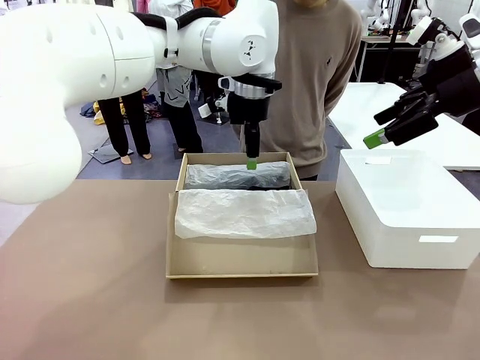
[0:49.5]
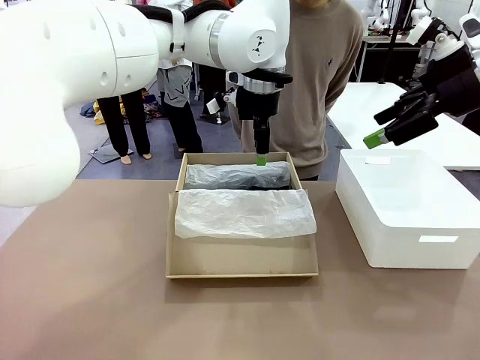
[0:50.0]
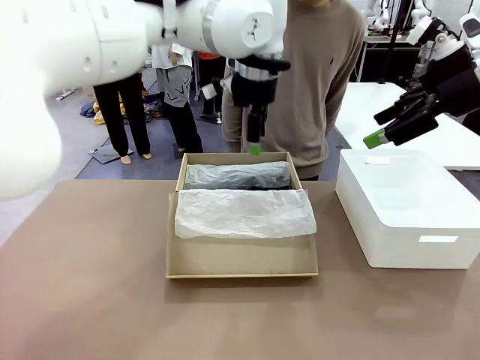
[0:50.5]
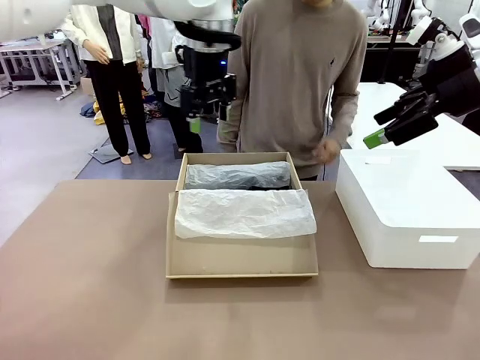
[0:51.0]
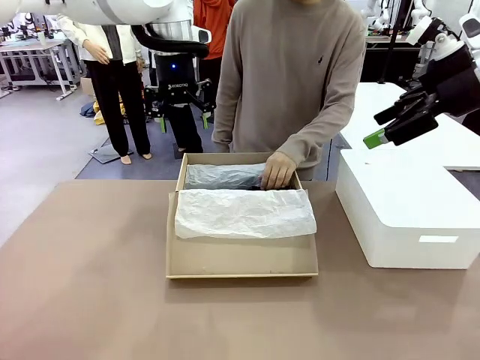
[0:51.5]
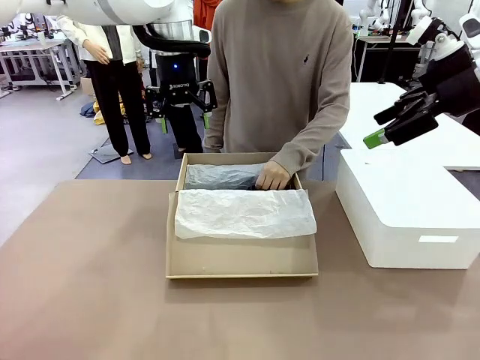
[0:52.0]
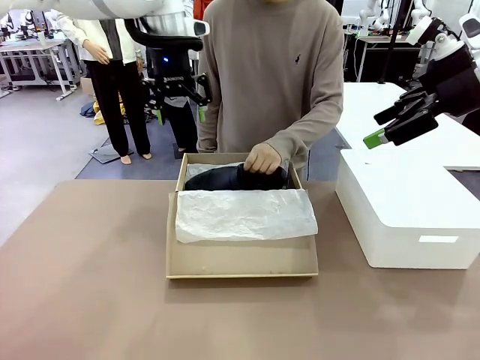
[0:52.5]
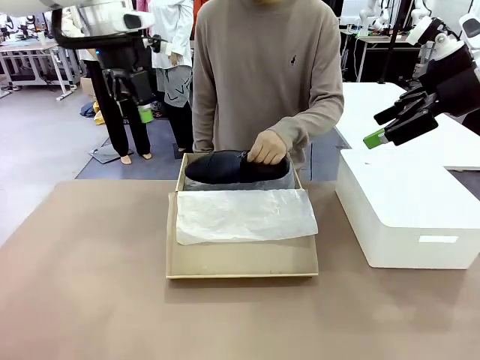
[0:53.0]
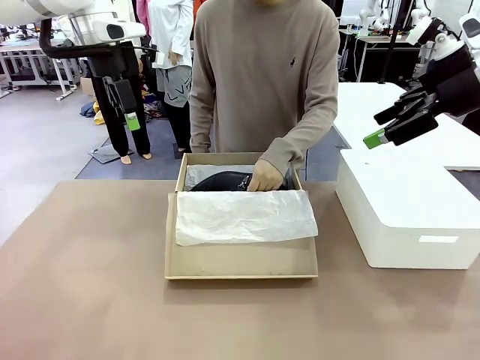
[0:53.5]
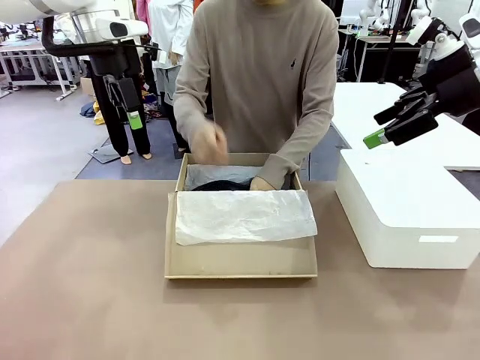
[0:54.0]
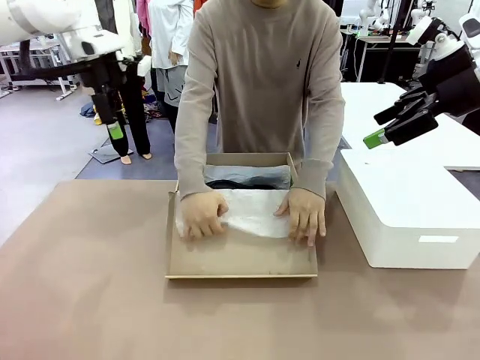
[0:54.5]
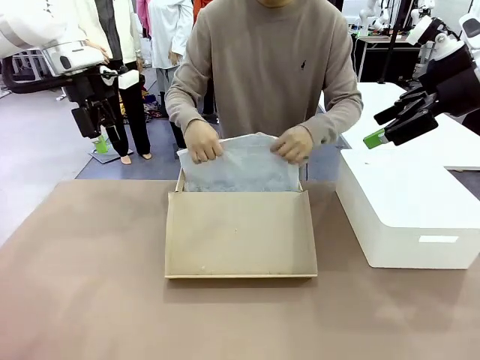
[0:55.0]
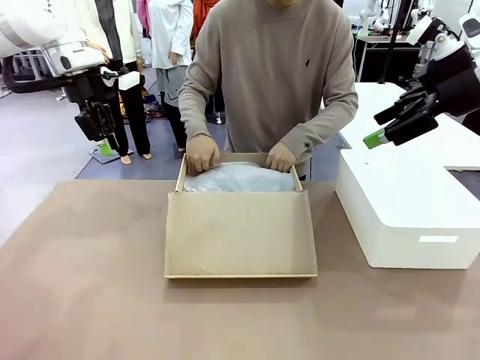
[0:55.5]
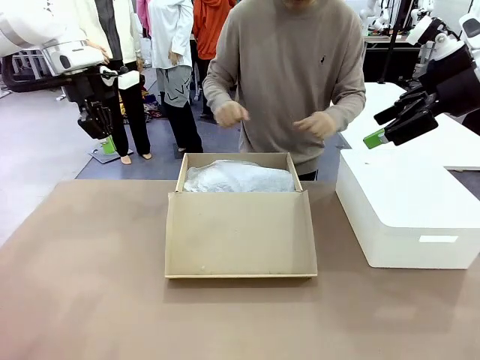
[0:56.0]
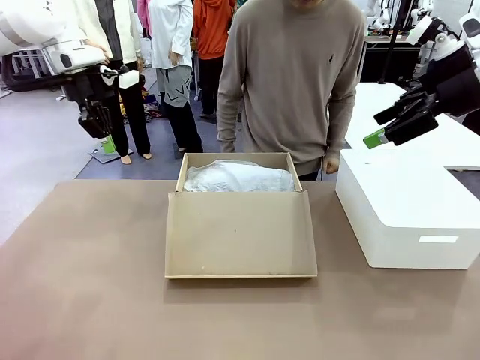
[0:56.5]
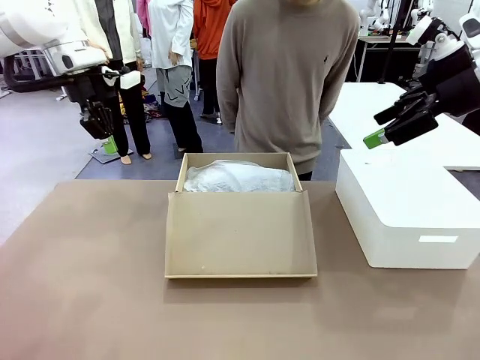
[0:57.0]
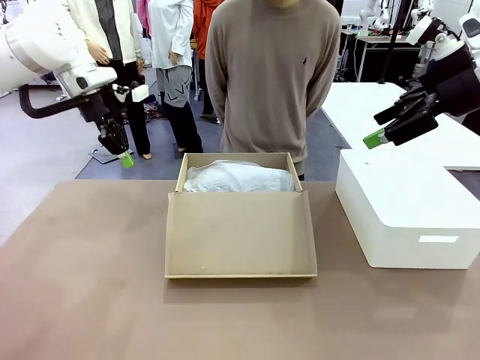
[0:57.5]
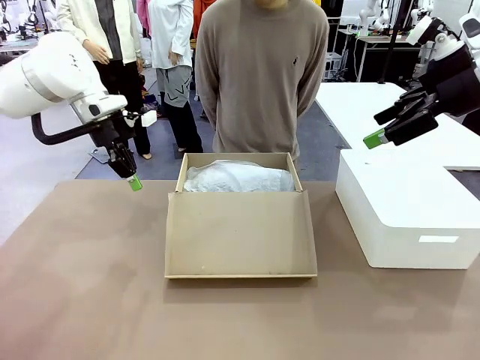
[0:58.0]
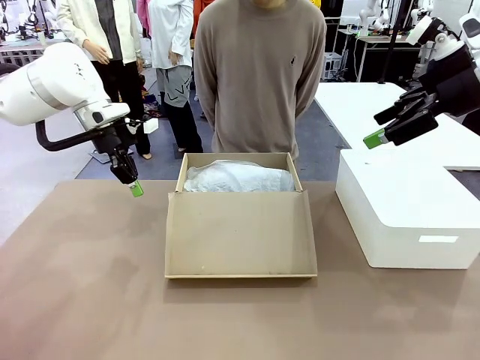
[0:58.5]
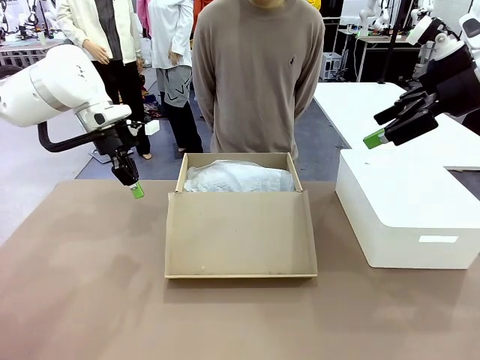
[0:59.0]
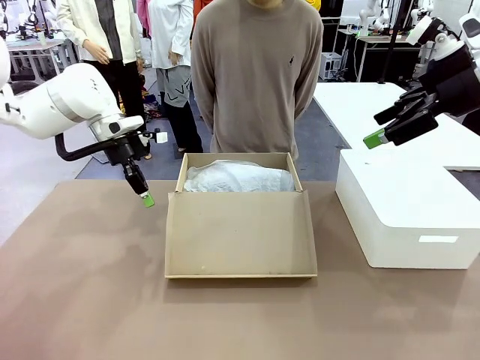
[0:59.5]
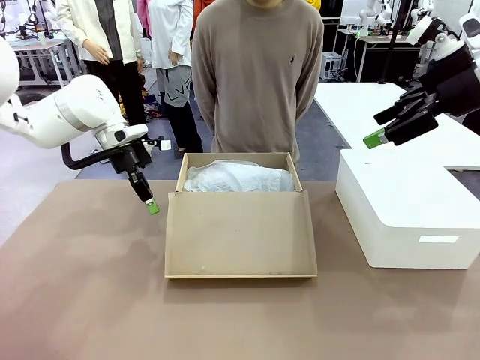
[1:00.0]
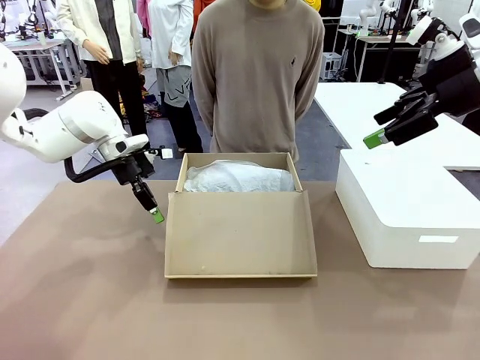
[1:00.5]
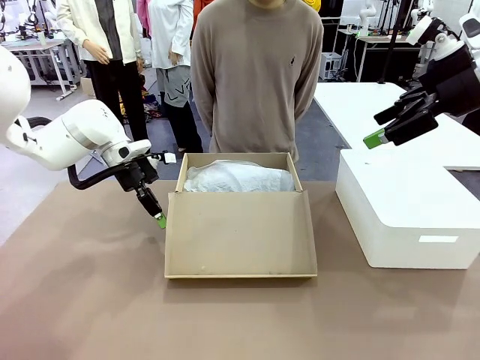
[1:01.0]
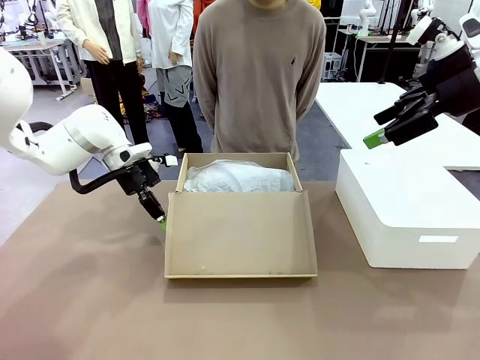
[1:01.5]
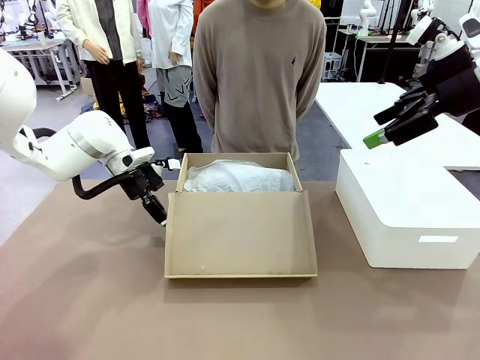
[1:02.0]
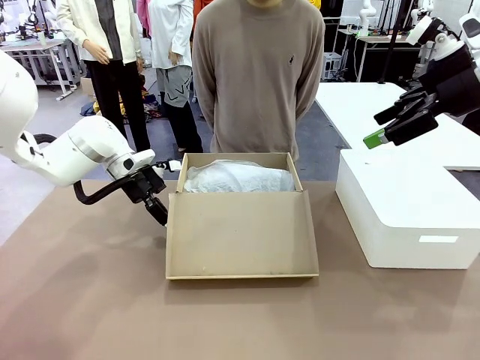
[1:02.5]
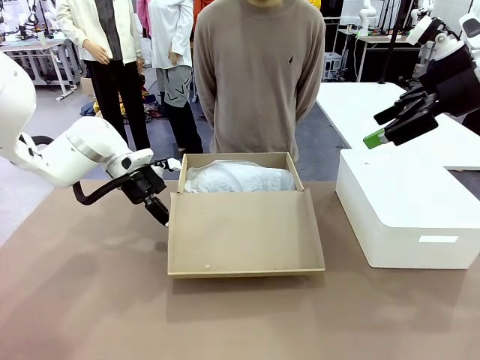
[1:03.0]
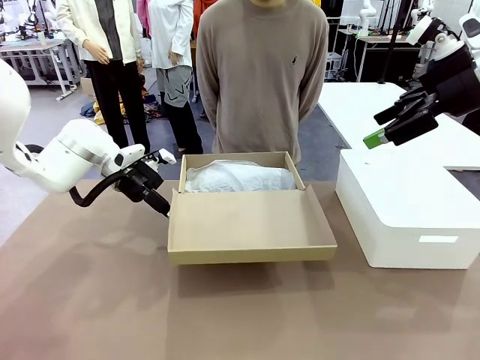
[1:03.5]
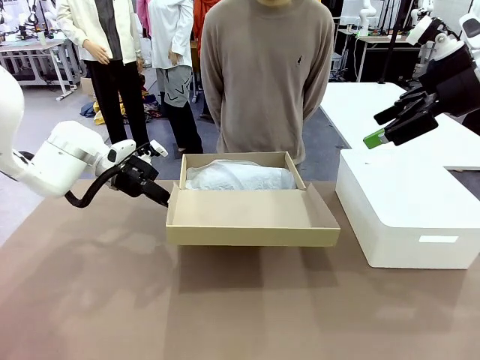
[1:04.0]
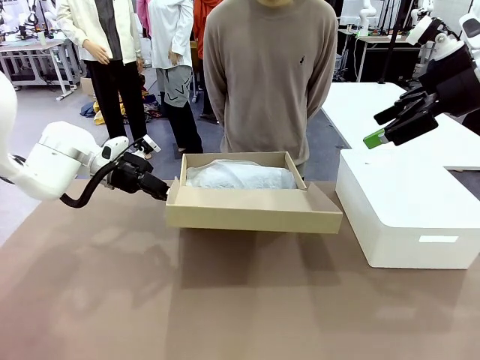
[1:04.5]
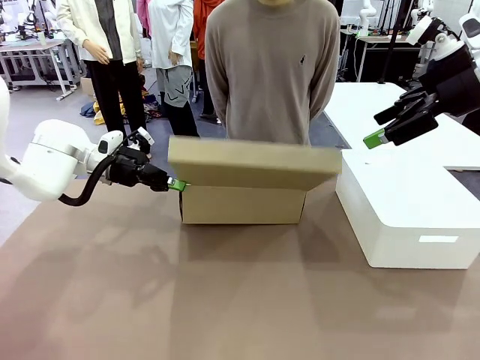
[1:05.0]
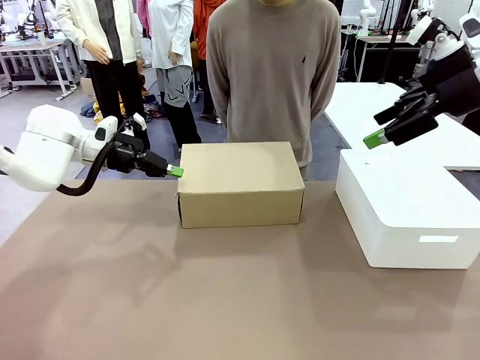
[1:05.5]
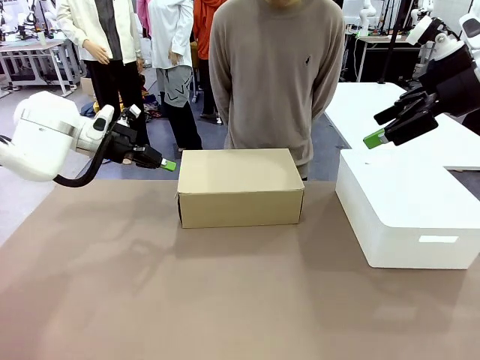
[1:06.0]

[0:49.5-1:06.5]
Task: Pack the shoes into the box.
Robot: Close the Shoes Box.

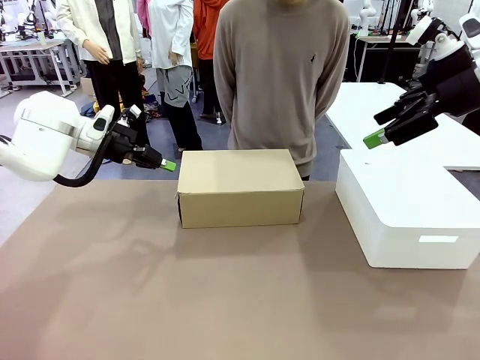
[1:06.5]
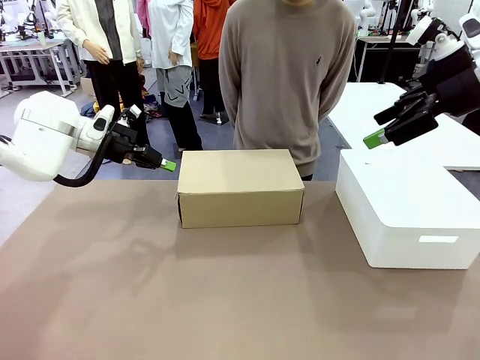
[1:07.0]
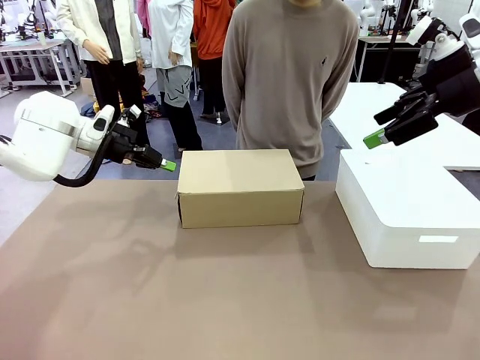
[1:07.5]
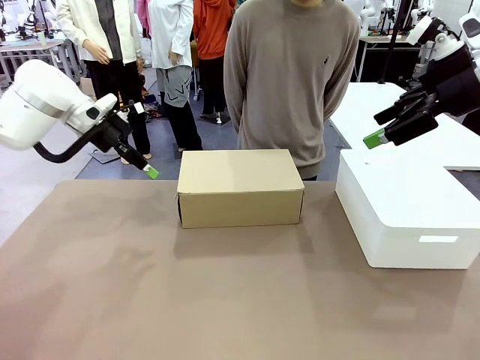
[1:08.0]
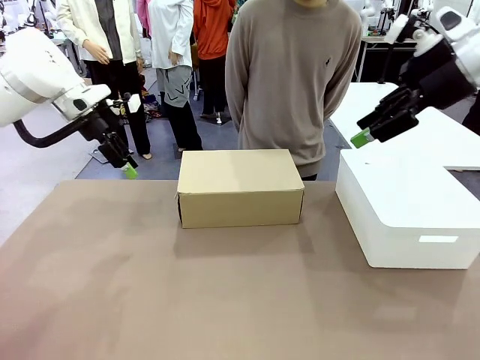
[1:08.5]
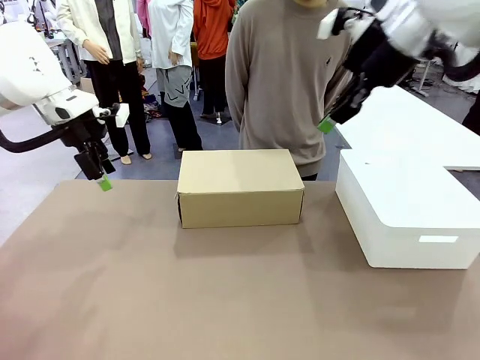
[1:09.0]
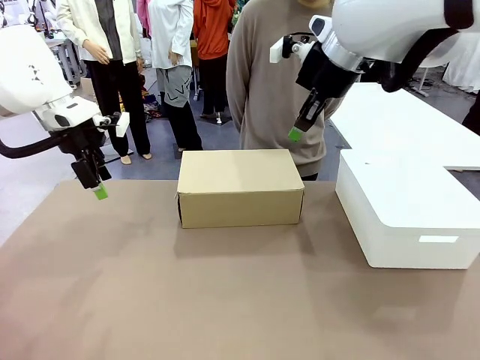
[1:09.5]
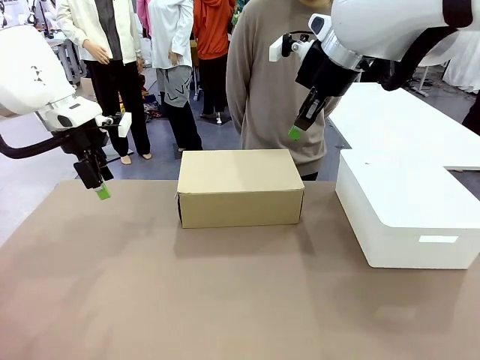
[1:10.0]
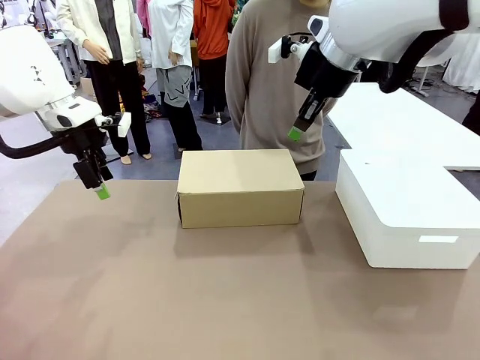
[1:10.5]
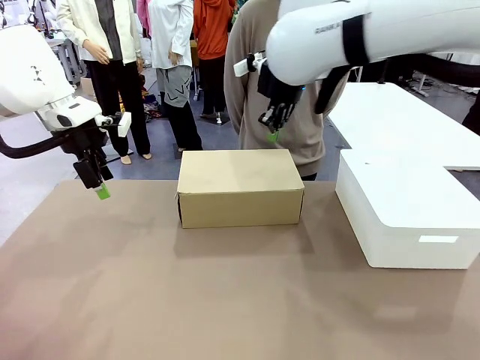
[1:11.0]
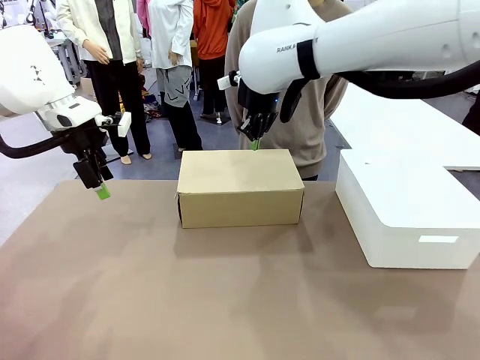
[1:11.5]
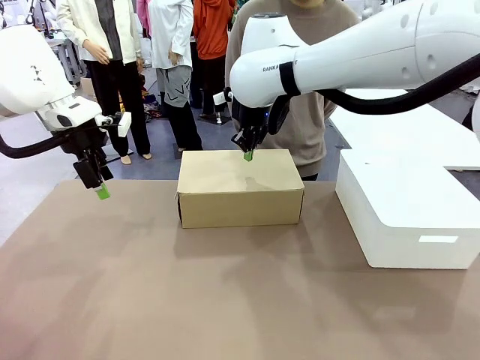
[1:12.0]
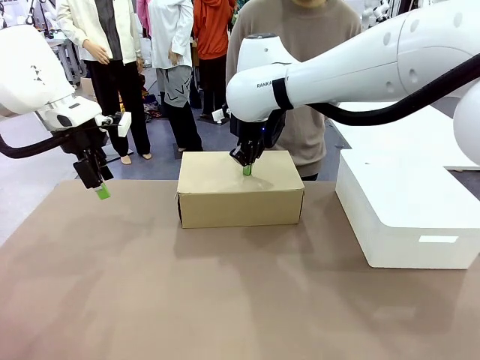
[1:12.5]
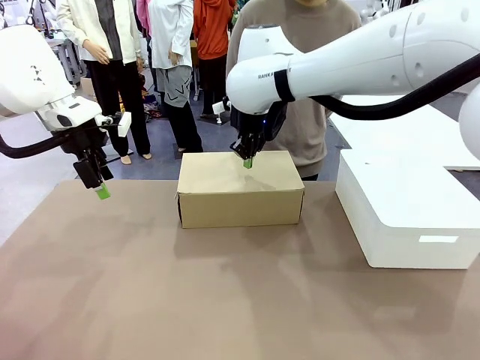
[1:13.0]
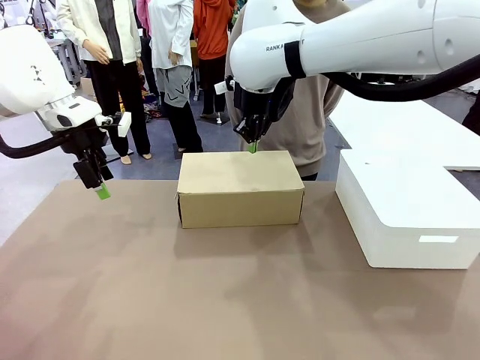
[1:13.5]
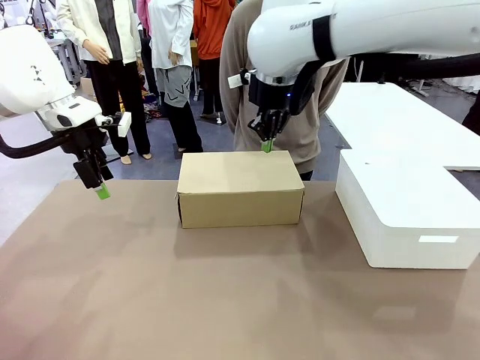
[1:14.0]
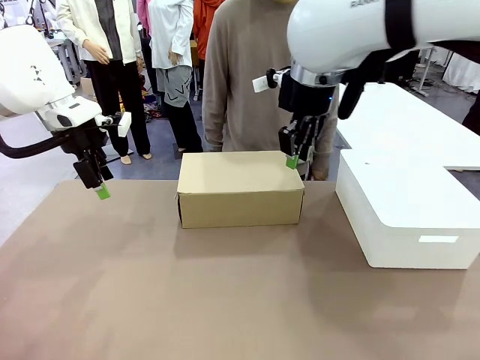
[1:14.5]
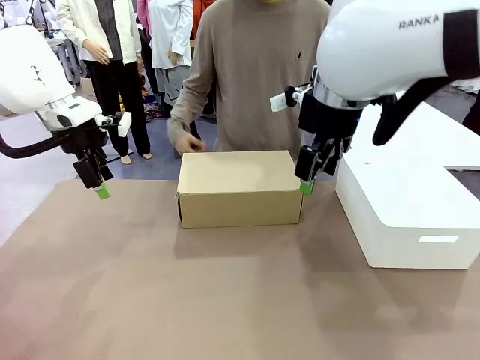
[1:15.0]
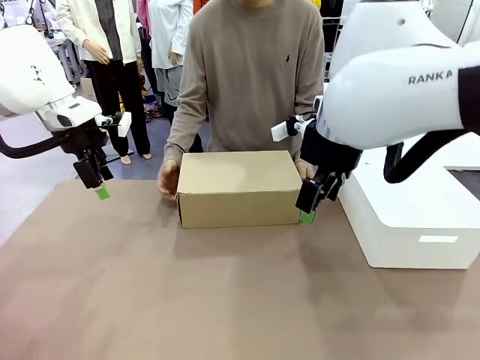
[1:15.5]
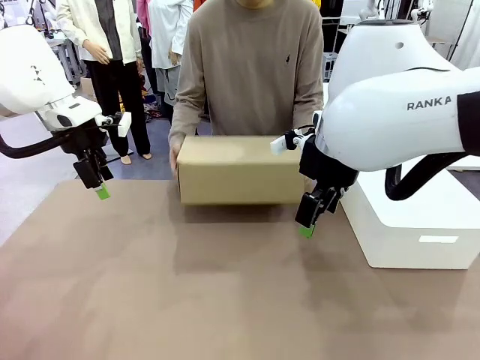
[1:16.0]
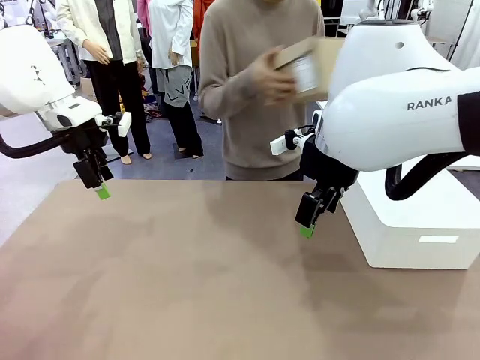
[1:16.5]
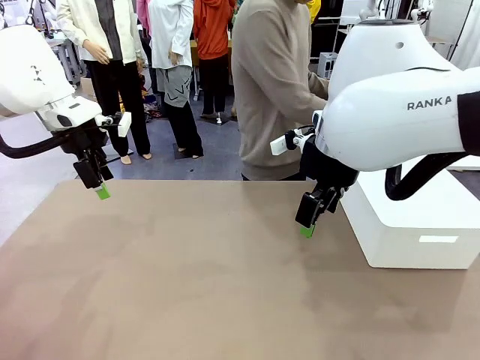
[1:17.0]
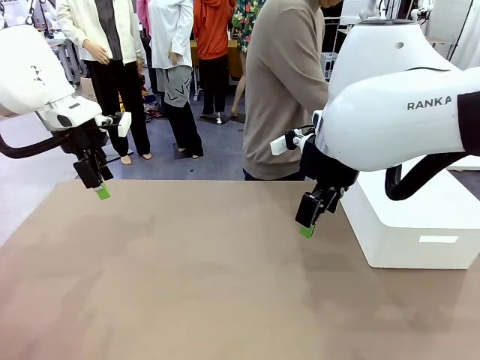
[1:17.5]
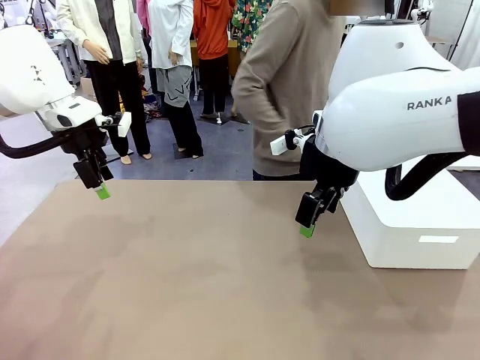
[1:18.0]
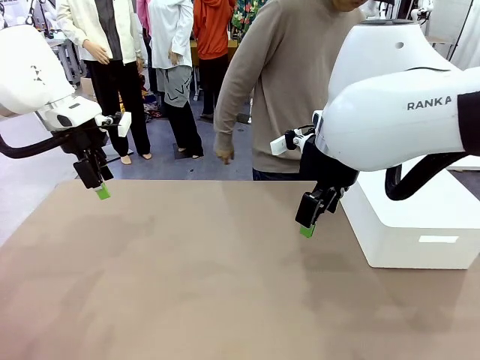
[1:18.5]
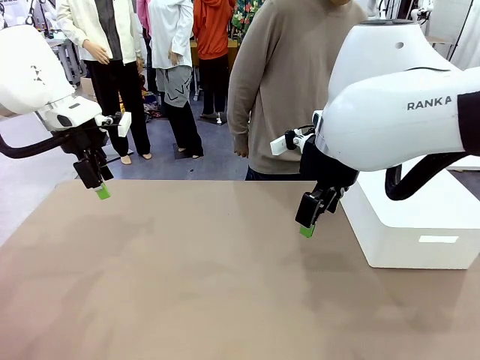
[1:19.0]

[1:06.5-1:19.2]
Robot: Press down on the lid of the Shoes Box.
Person: Place the closed Shoes Box to the right side of the human table.
